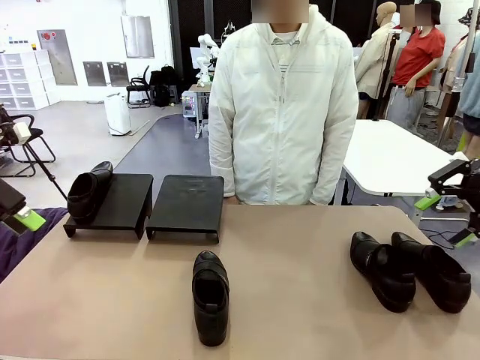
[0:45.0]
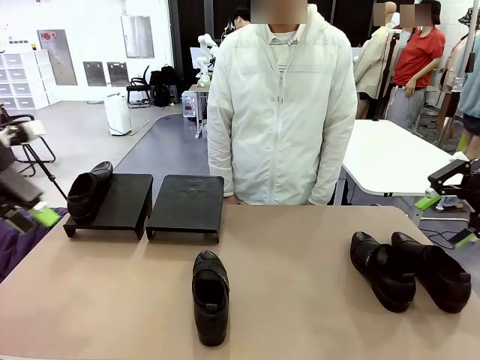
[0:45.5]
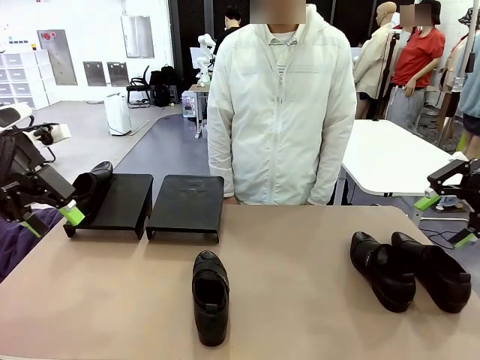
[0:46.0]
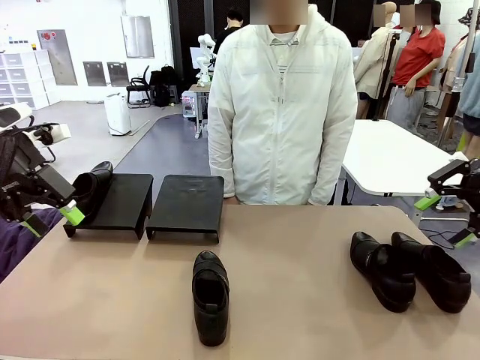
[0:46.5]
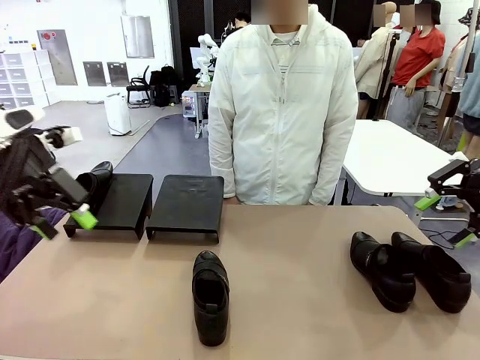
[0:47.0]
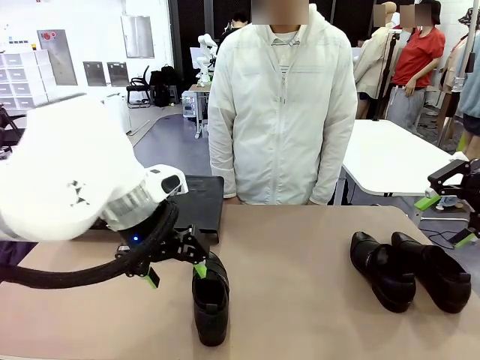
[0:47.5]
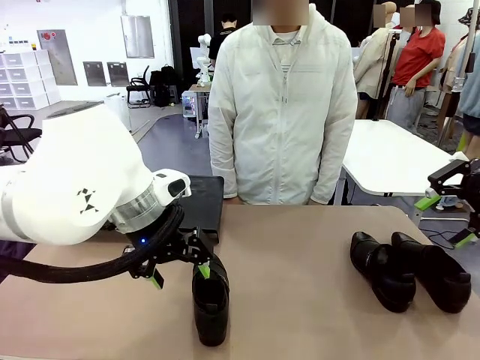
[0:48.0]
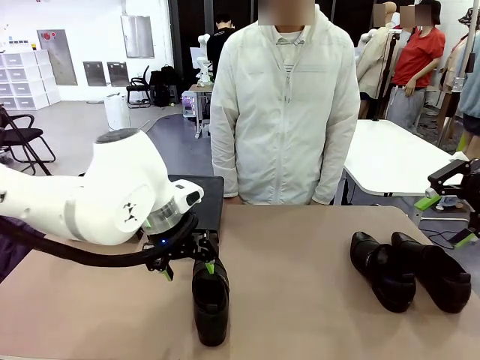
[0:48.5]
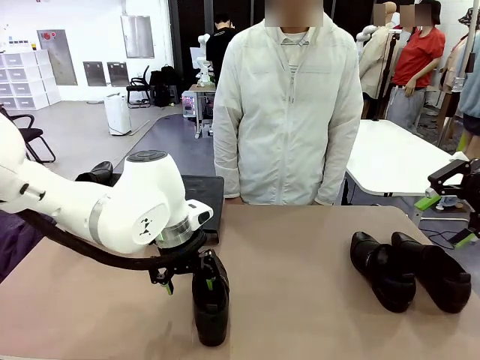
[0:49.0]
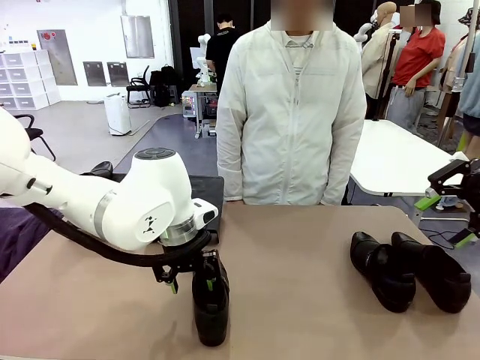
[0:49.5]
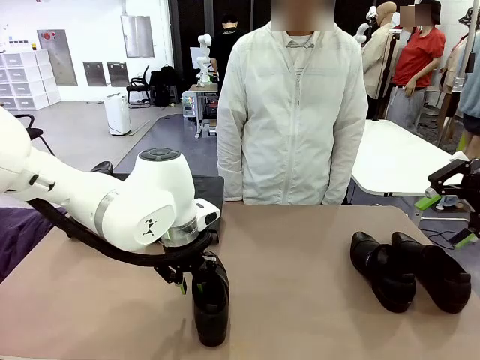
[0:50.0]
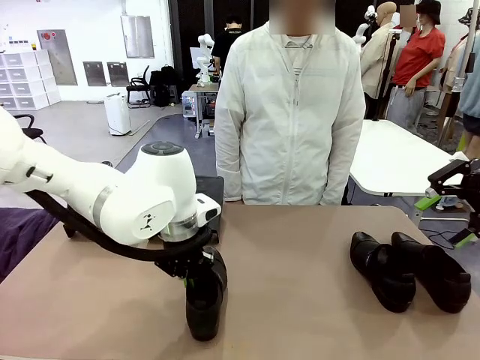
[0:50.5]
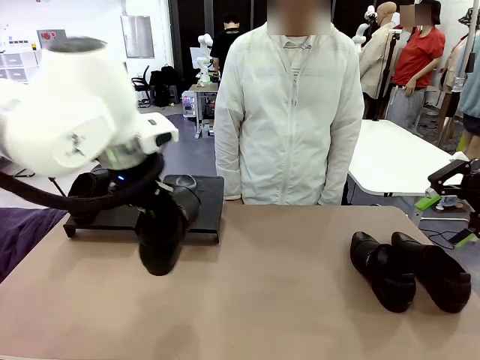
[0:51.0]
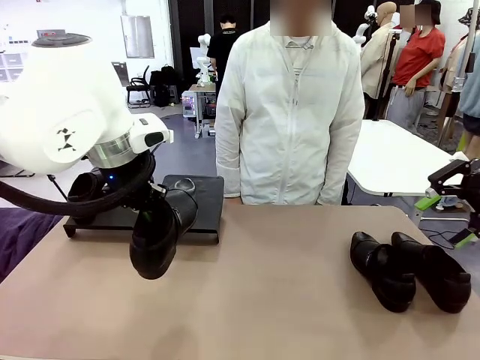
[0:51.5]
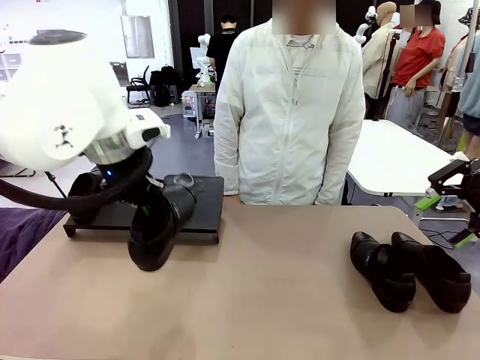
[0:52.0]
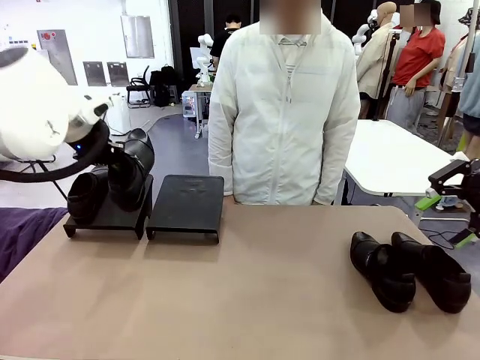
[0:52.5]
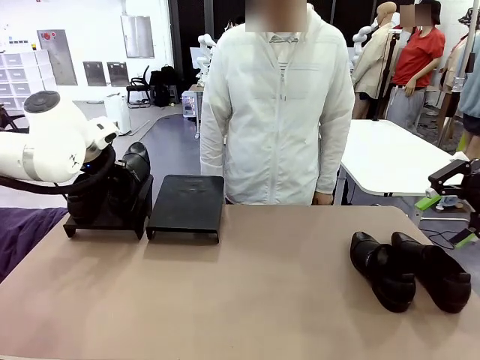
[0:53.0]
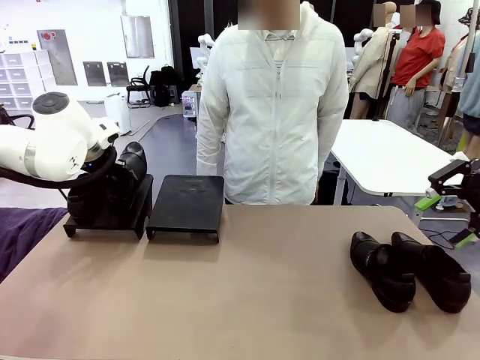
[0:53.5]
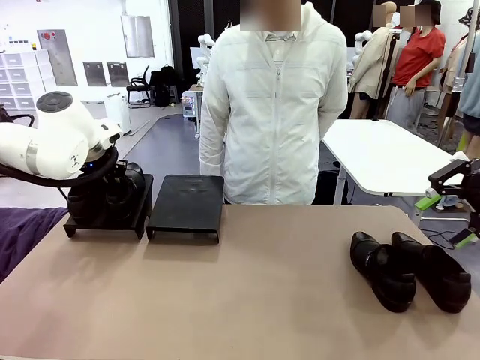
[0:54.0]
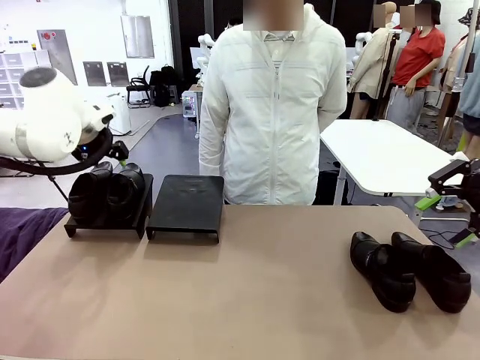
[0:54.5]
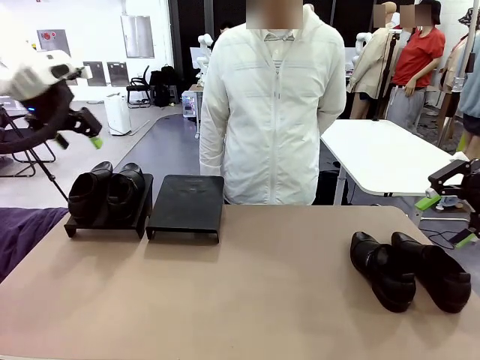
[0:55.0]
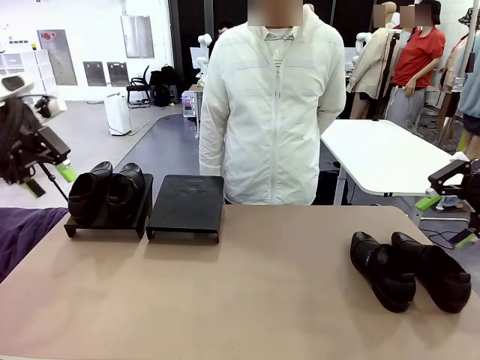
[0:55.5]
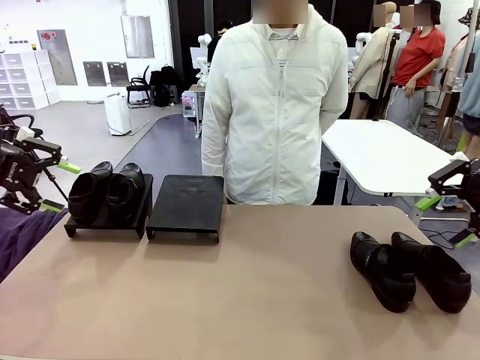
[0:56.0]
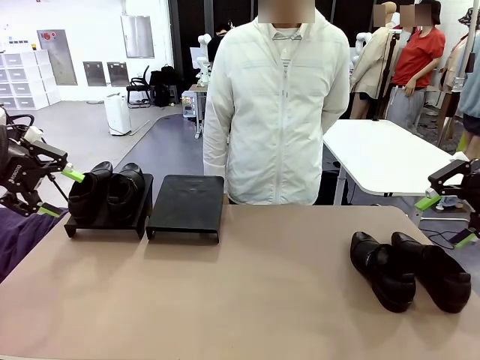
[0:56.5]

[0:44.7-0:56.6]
Task: Organize the shoes by placing them on the stand.
Robot: Place the Shoe from the middle of the table onto the Shoes Stand.

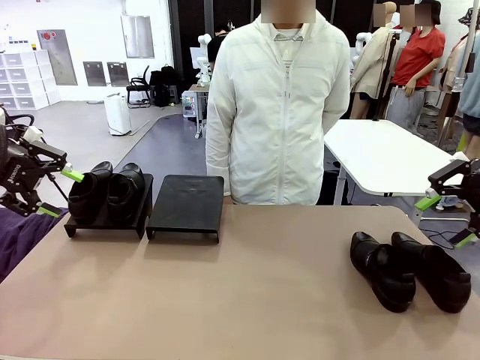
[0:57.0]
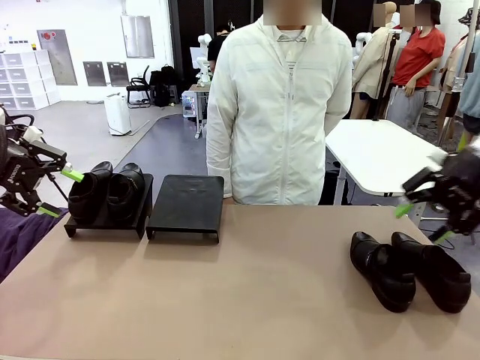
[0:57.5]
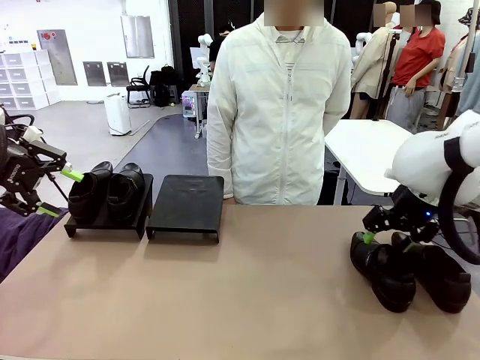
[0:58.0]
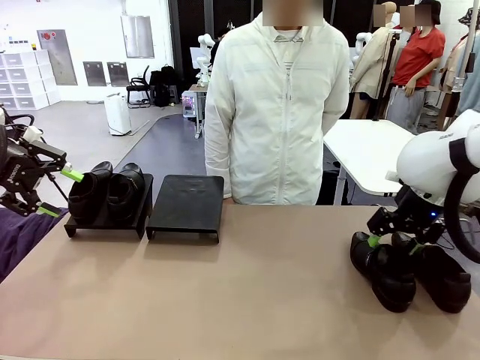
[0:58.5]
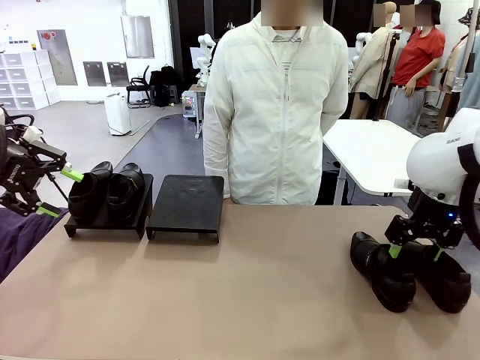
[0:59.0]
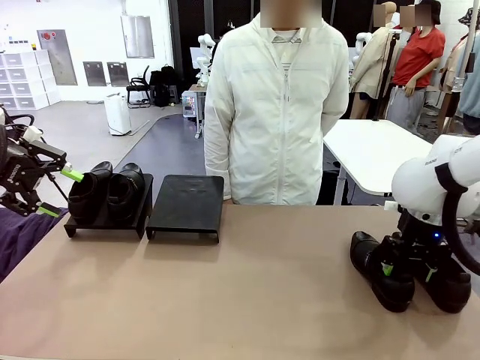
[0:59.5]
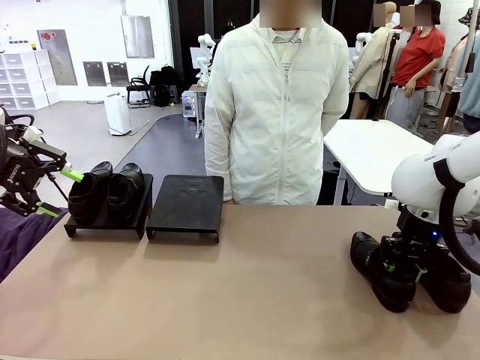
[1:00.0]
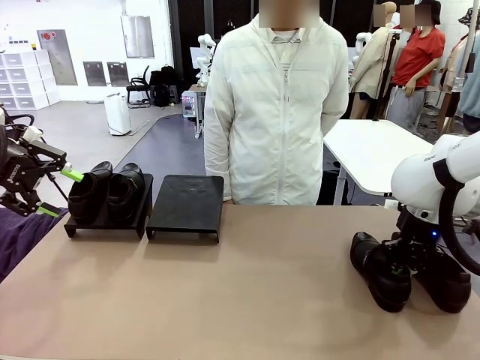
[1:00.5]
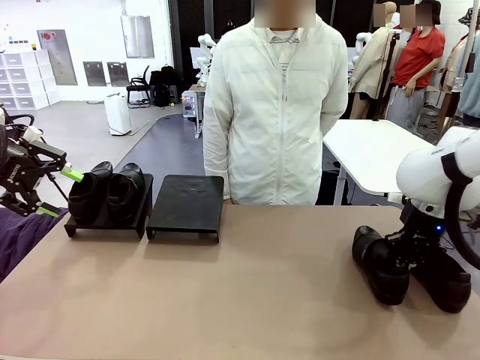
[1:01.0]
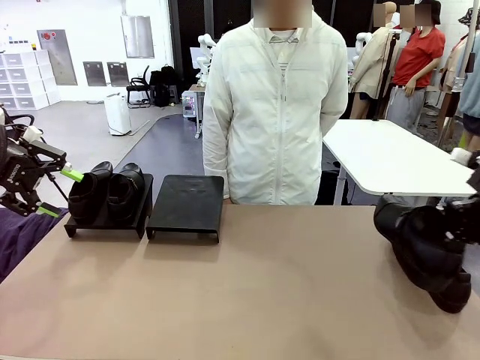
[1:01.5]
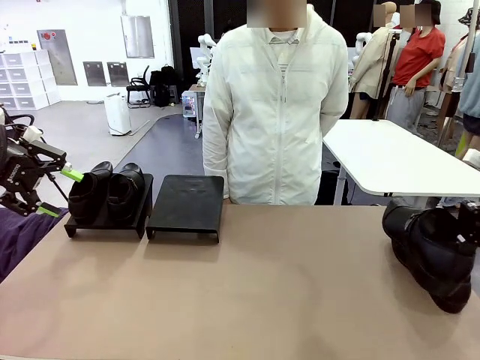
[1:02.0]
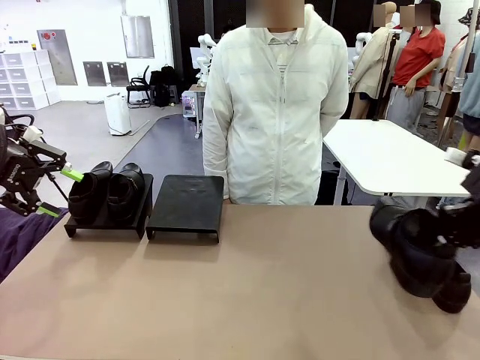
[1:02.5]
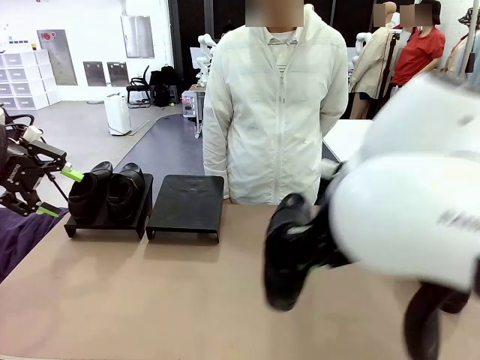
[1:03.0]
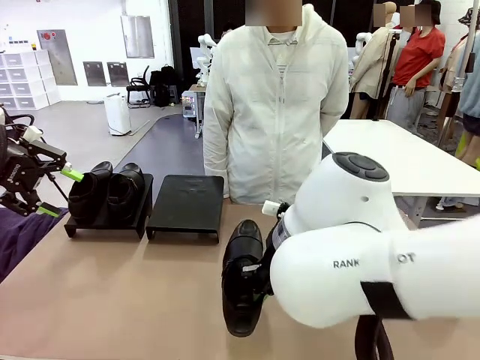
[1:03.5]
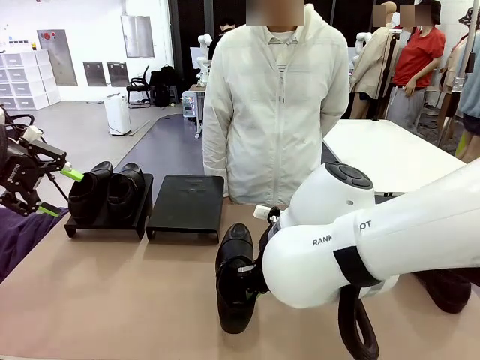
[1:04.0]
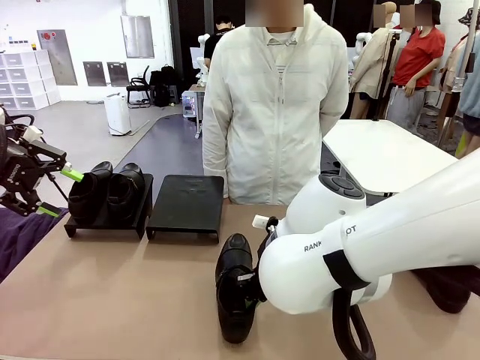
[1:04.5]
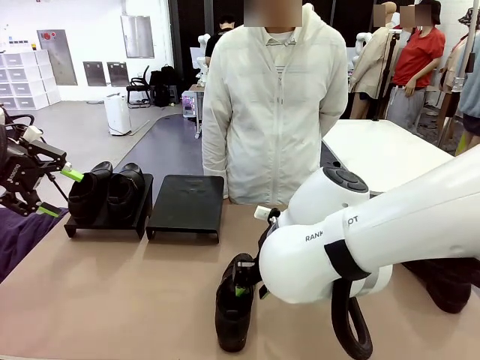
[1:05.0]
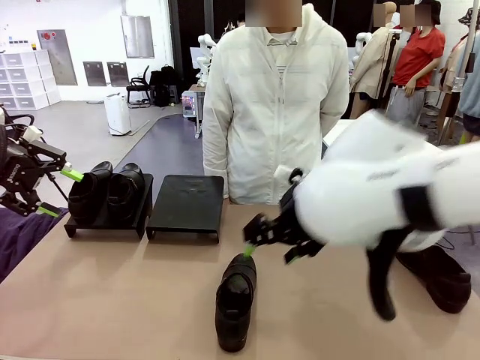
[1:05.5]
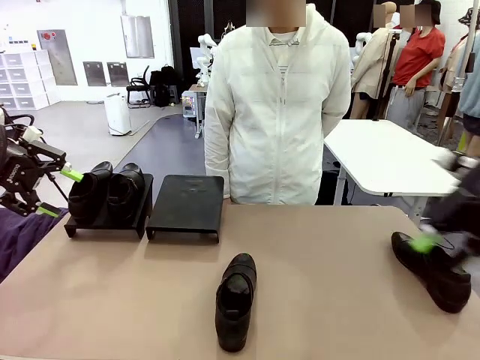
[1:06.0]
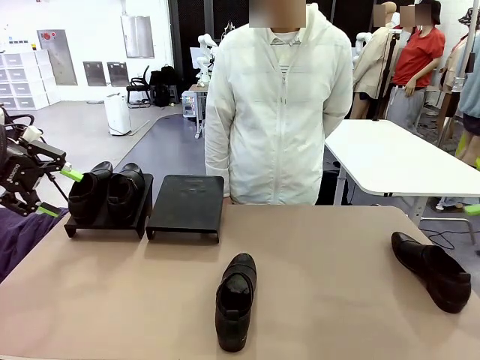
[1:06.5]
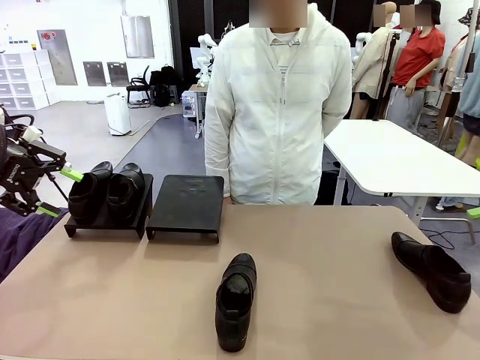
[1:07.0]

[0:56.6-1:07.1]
Robot: Pick up one Shoe and place it in the middle of the table.
